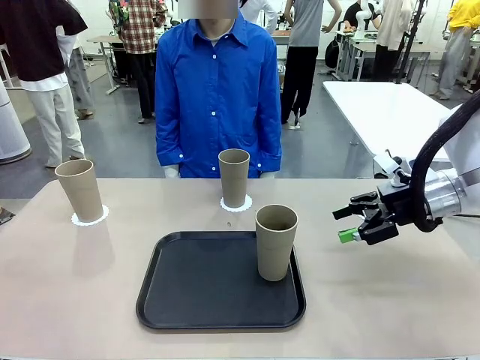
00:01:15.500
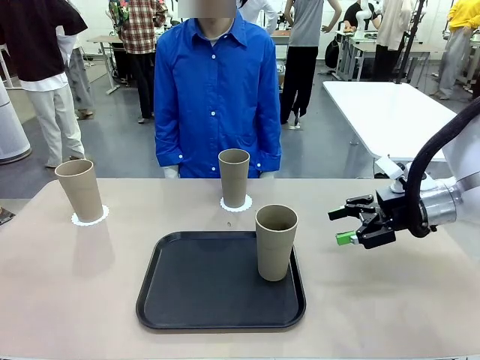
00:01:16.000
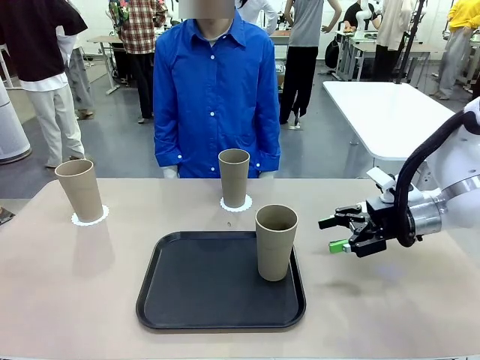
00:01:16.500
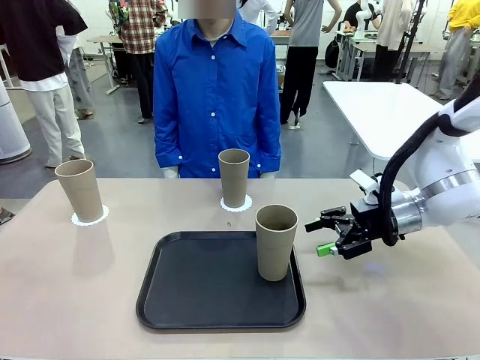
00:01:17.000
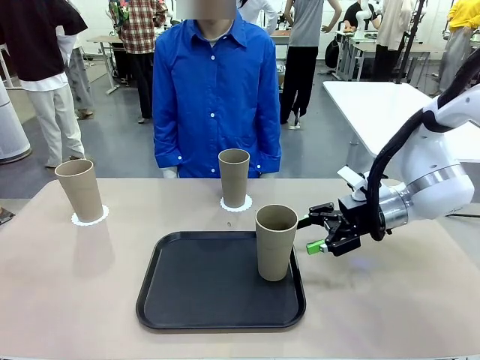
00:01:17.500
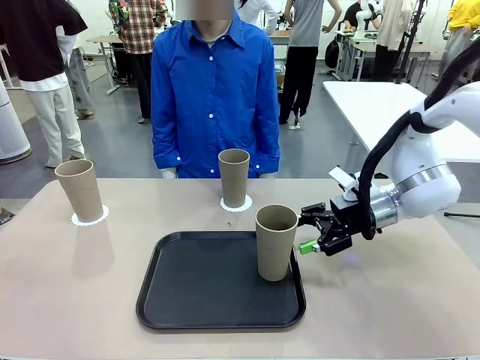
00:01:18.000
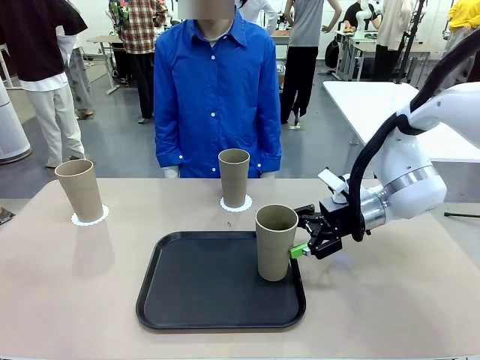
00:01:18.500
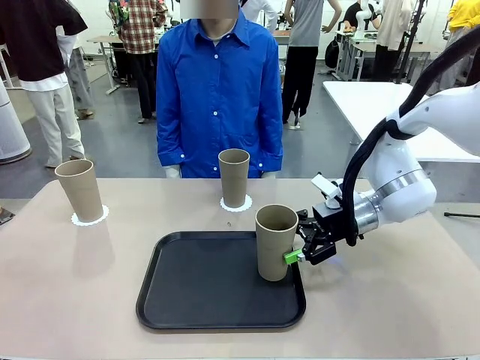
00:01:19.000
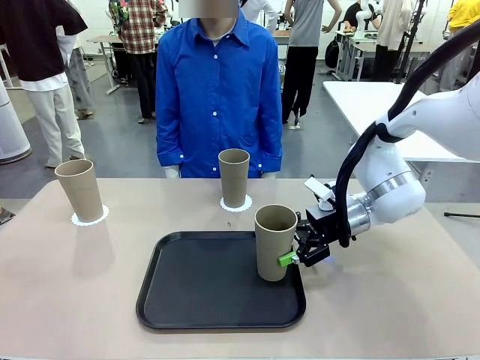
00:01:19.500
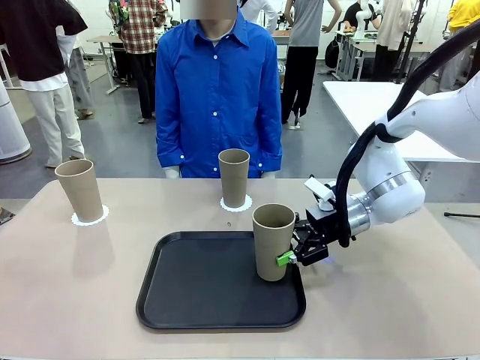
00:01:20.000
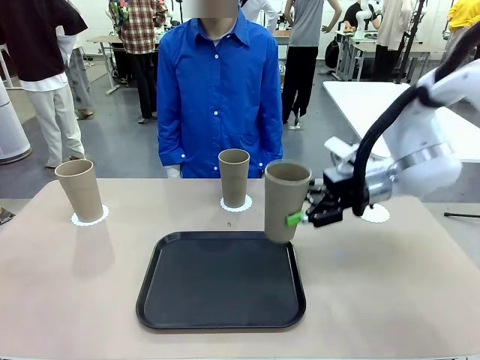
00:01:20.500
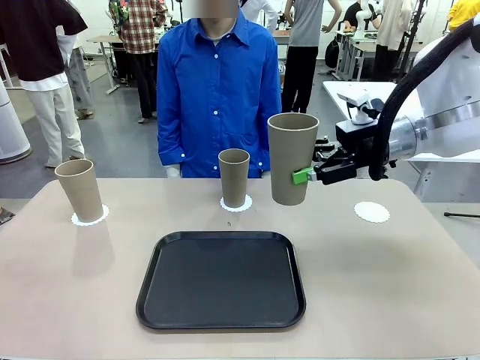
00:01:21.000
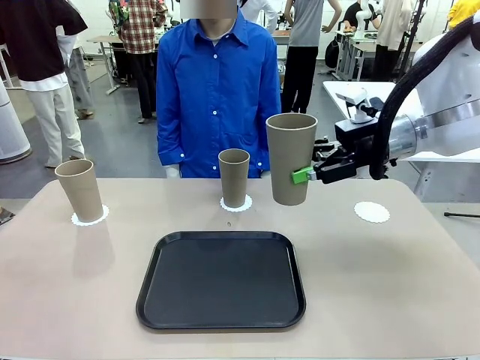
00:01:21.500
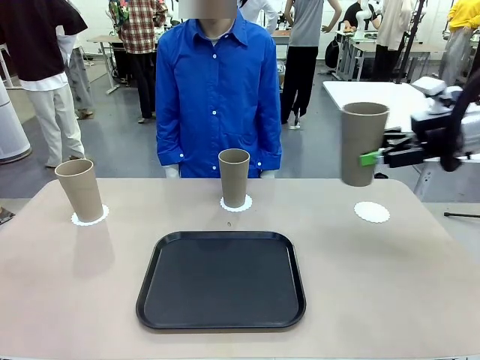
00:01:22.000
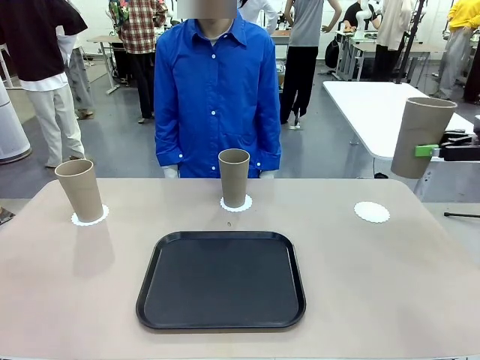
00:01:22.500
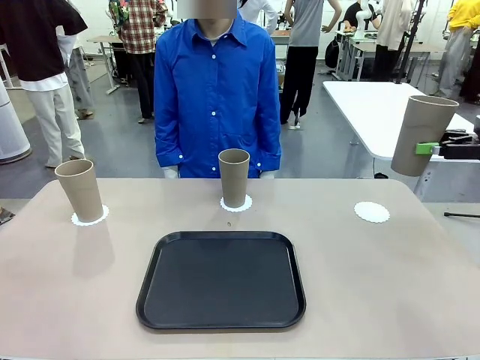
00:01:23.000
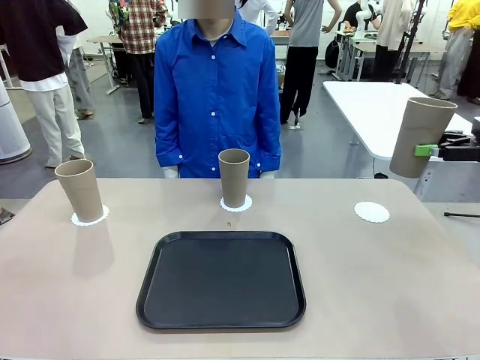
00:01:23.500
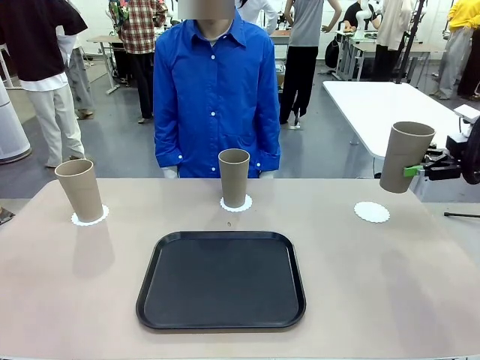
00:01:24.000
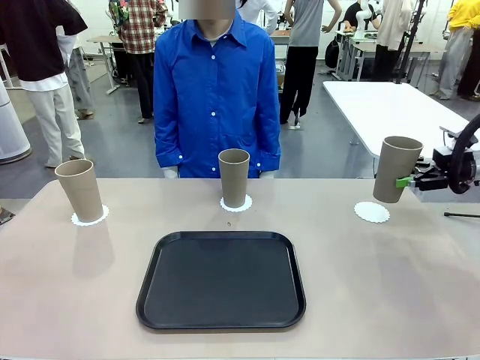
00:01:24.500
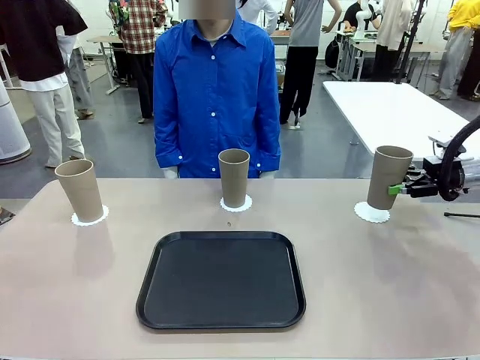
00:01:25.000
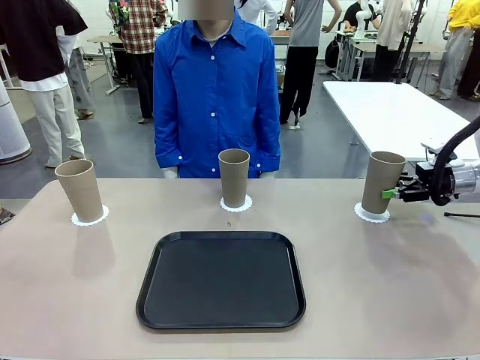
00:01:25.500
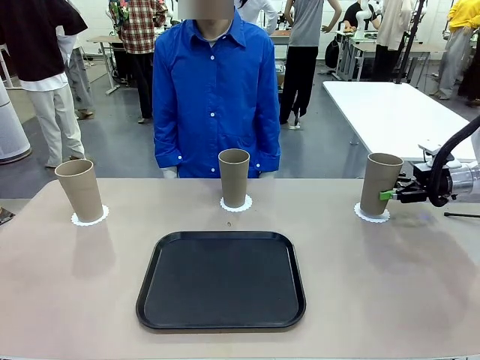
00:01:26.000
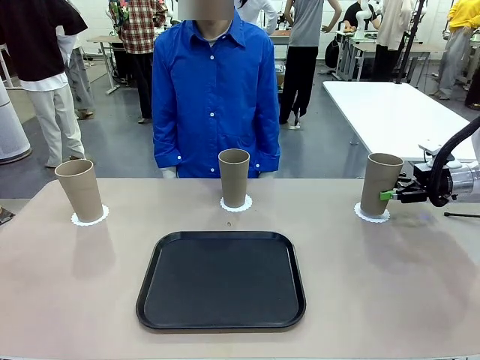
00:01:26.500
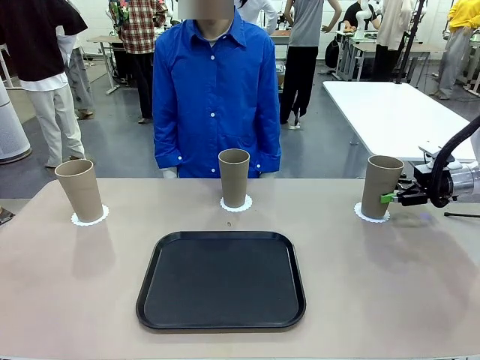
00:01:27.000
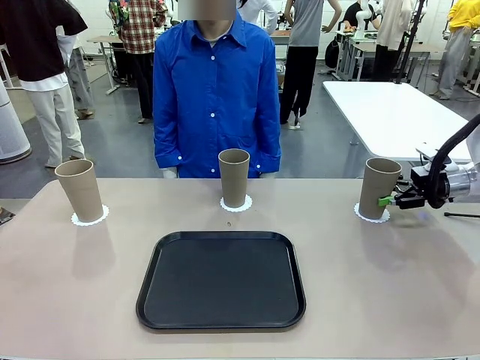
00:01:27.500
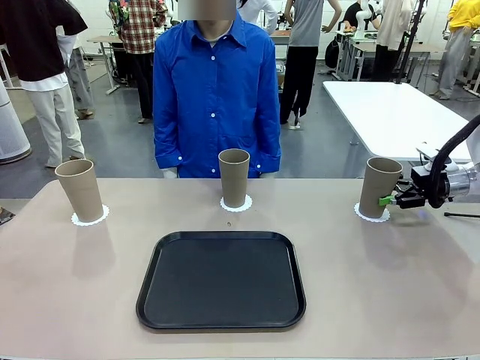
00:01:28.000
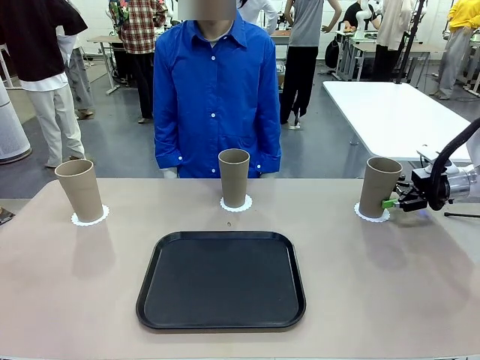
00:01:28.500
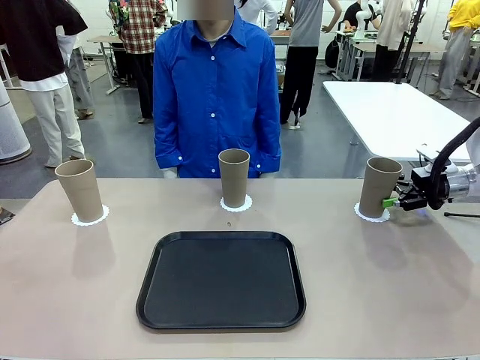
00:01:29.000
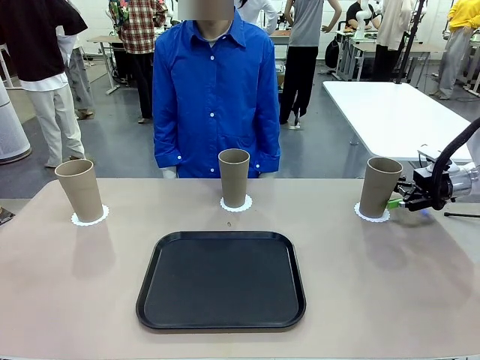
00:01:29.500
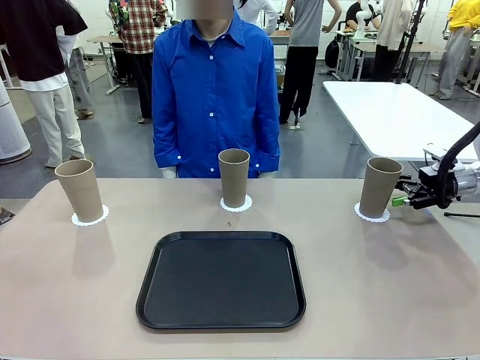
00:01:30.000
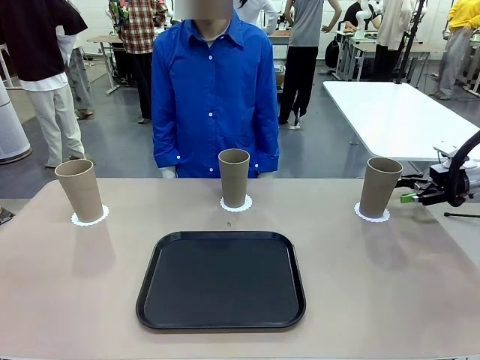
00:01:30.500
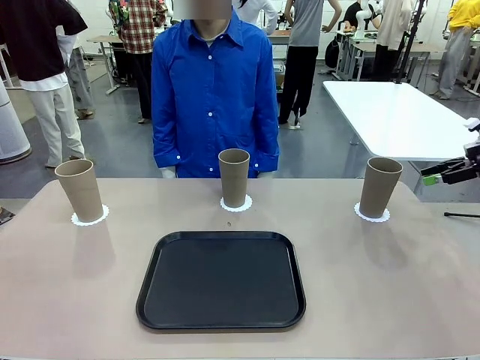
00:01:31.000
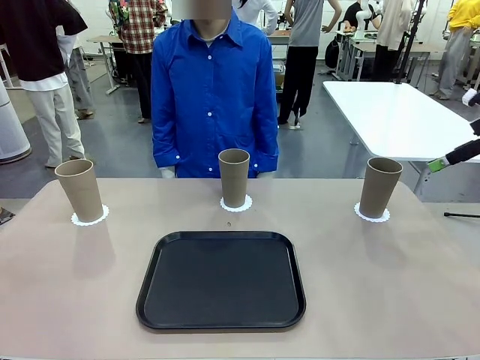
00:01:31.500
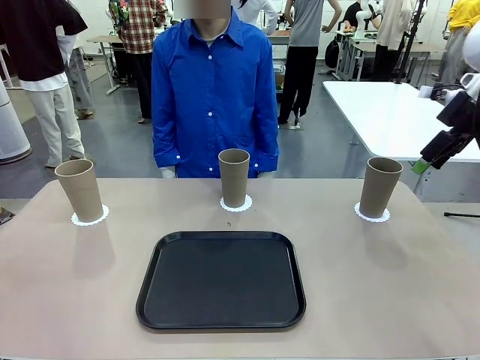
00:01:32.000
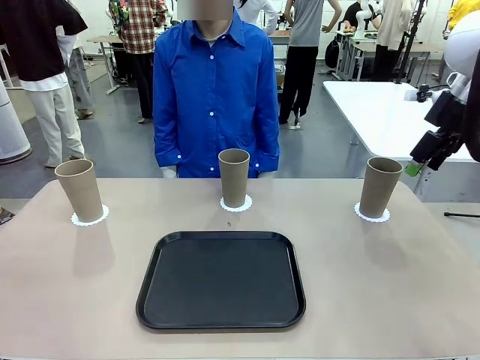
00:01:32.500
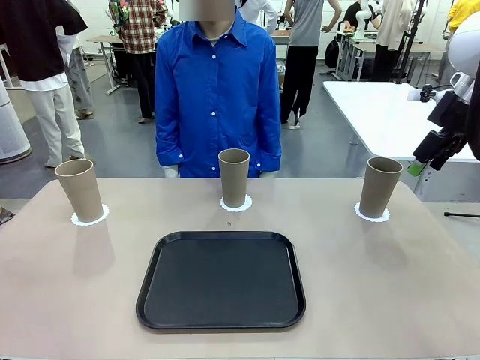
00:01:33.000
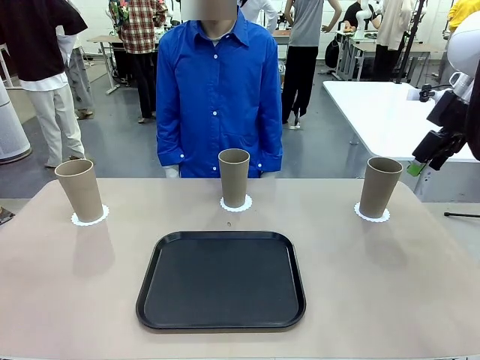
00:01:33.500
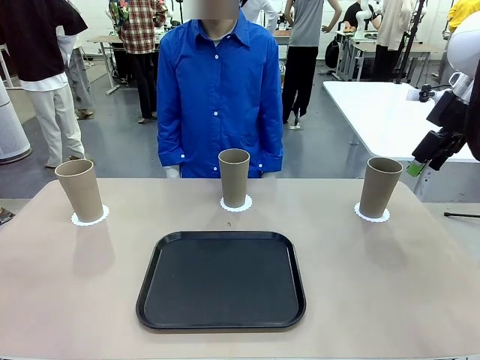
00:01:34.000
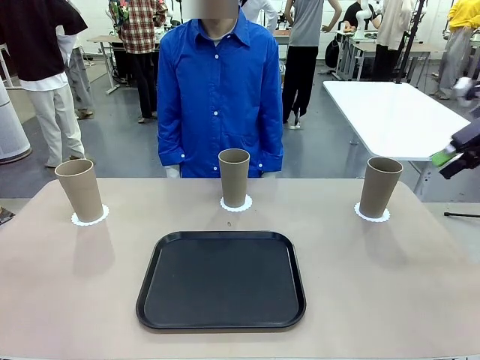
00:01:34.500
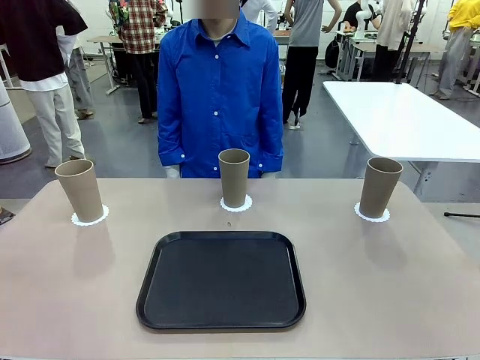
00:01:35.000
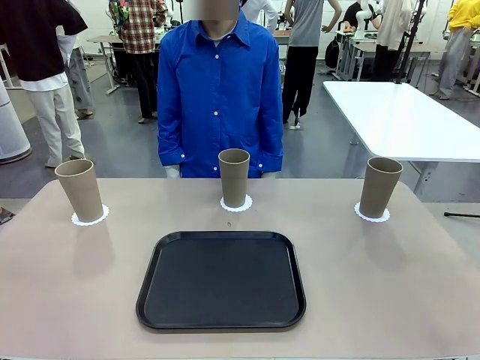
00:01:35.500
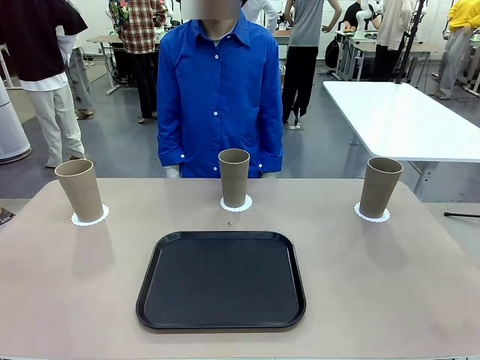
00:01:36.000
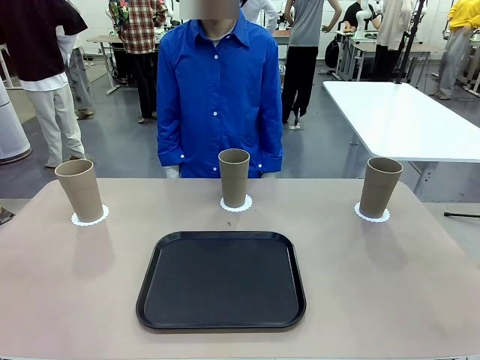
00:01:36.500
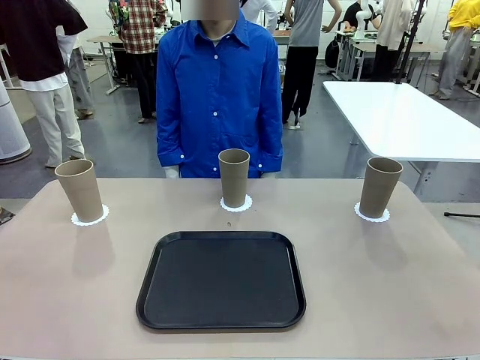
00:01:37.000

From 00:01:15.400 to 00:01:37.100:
Task: Place coasters on the table and set cups on them.
Robot: Take one Reusable plastic cup from the Flat Tray and place it on a coaster set by the human.
